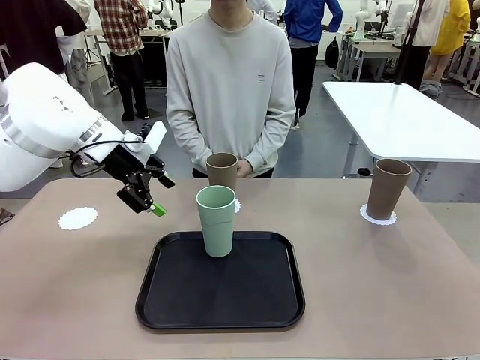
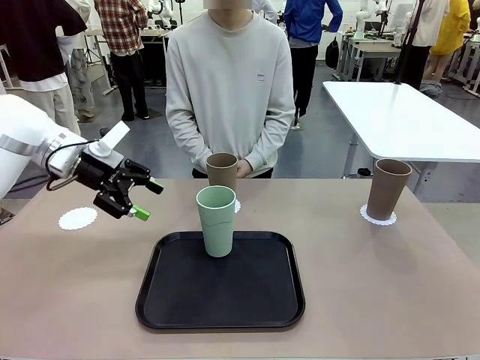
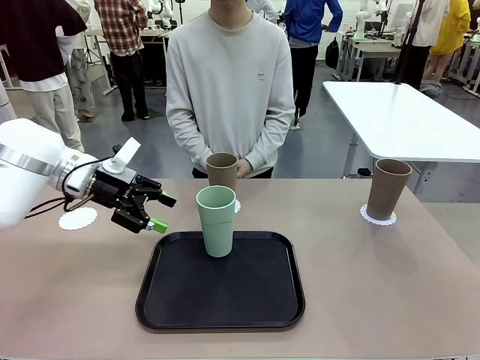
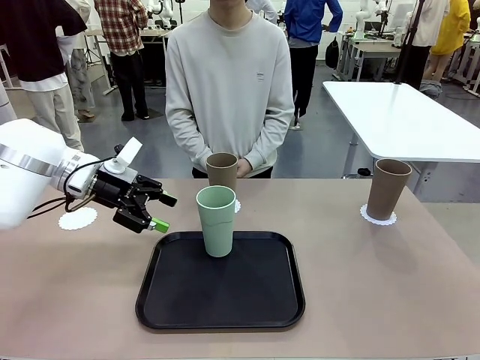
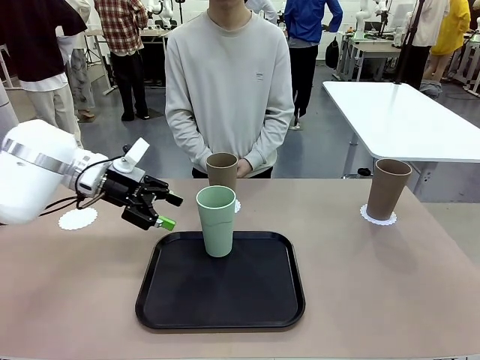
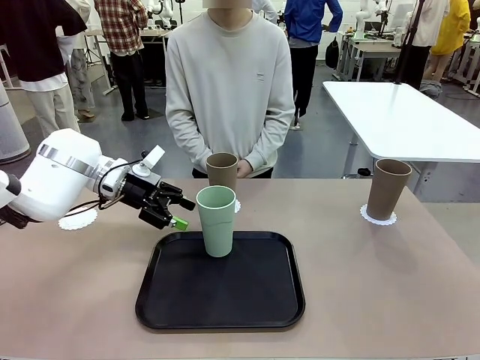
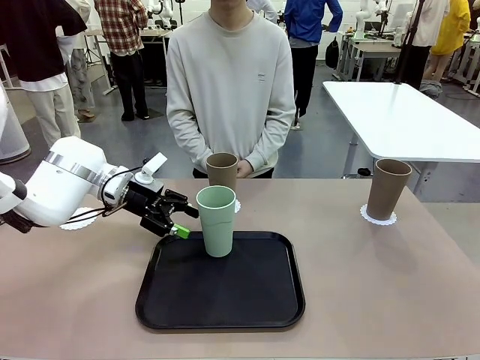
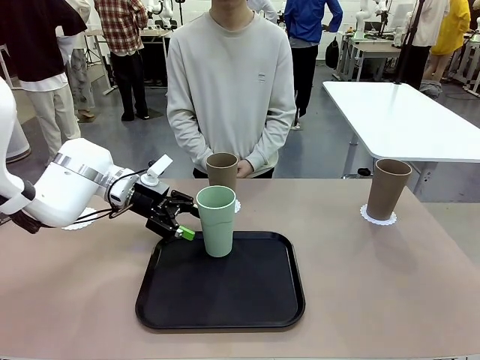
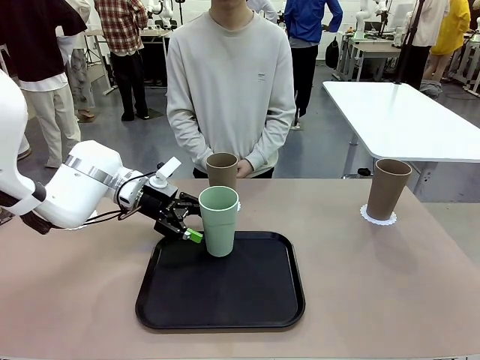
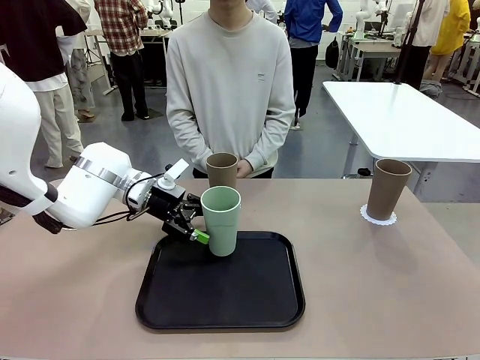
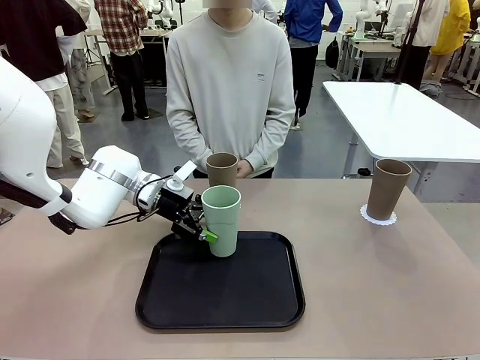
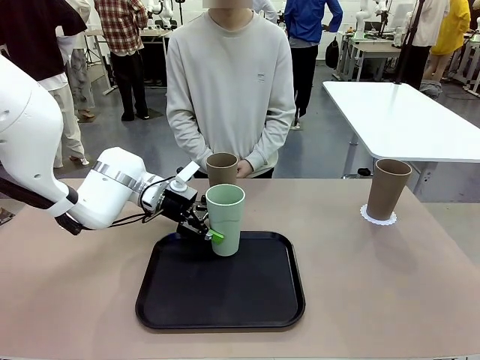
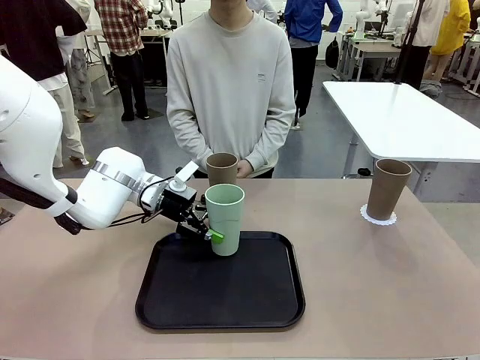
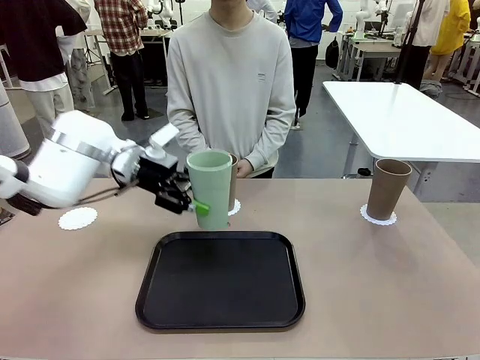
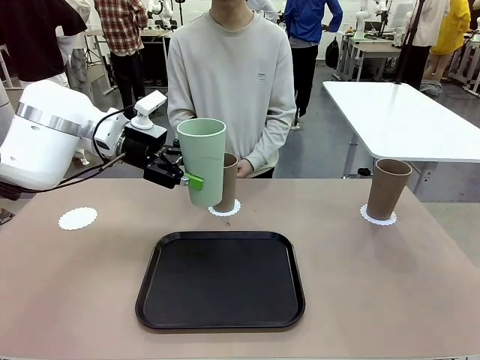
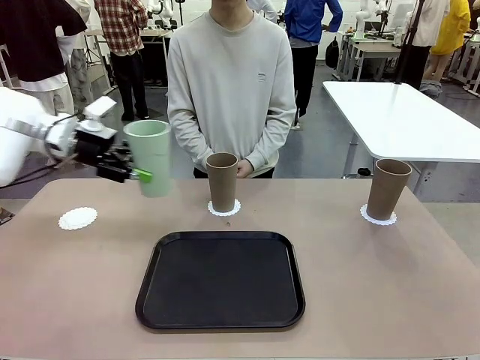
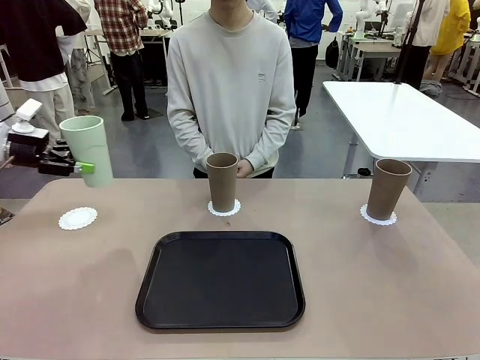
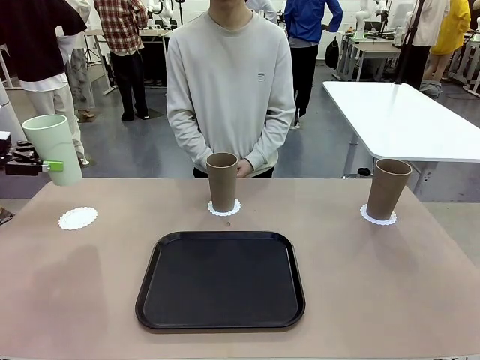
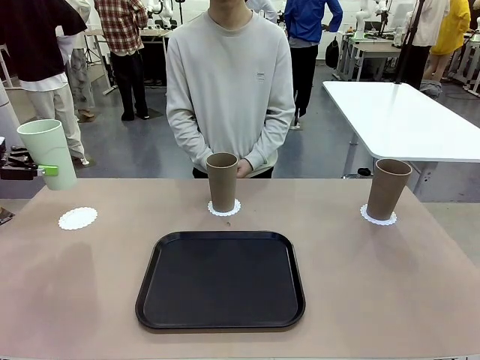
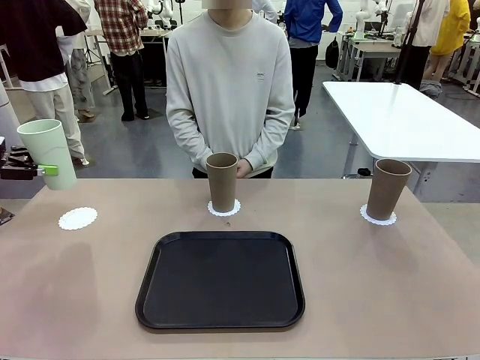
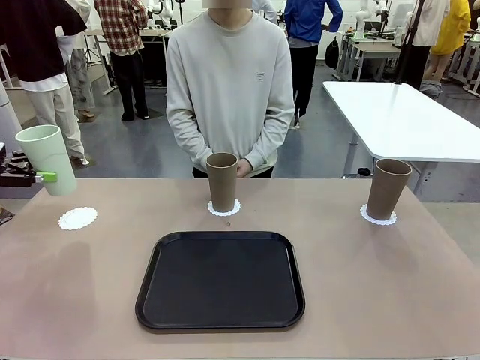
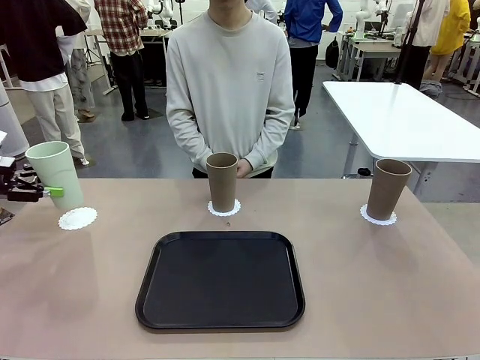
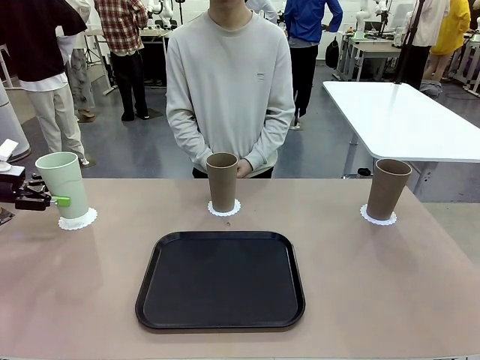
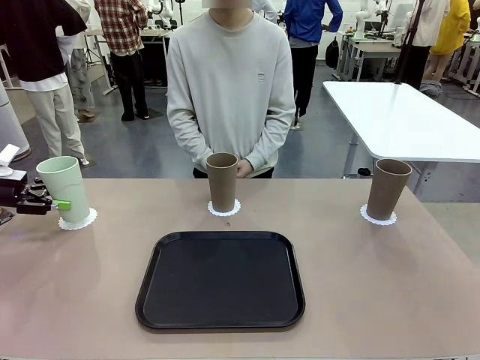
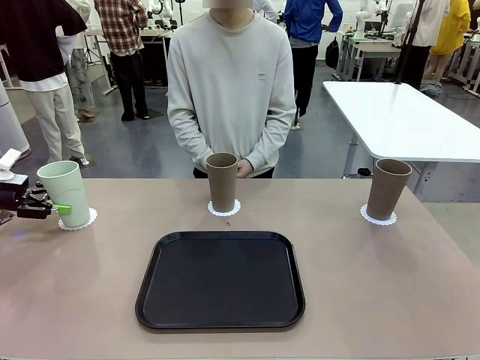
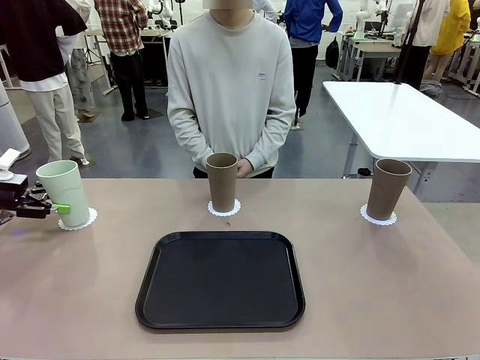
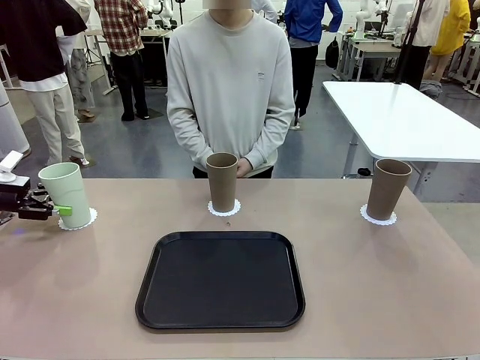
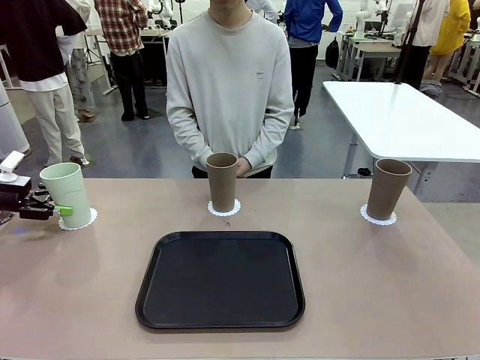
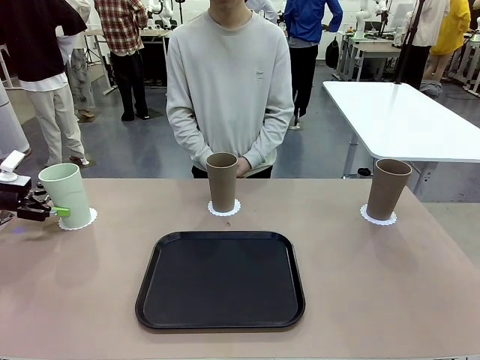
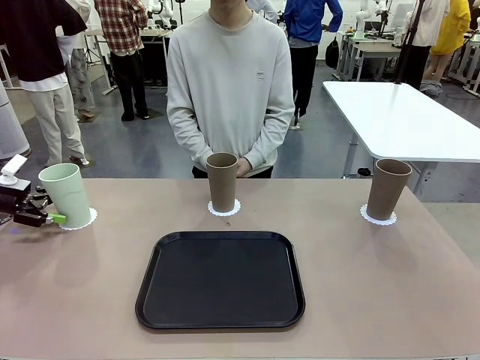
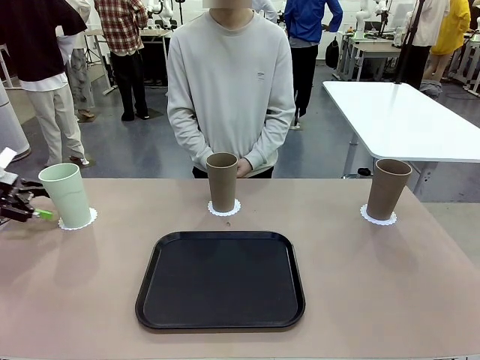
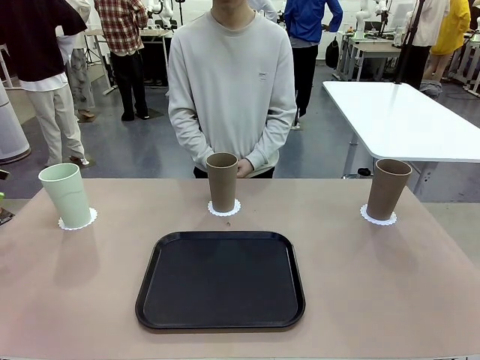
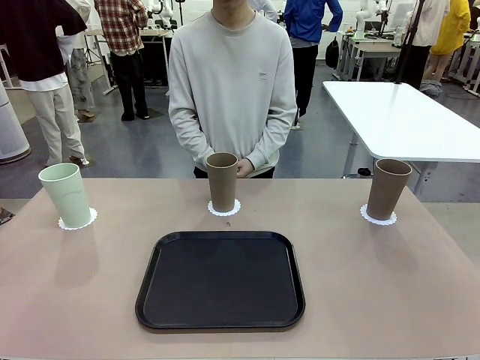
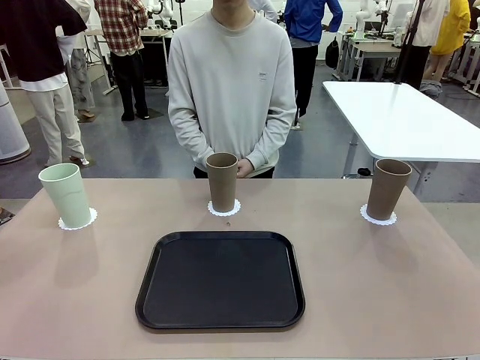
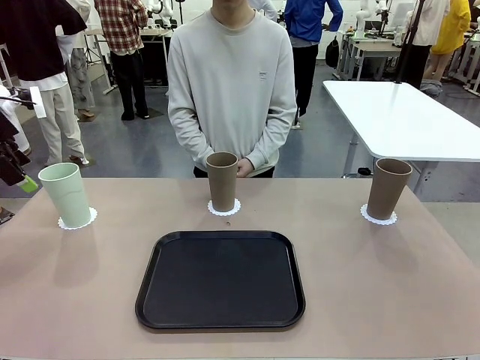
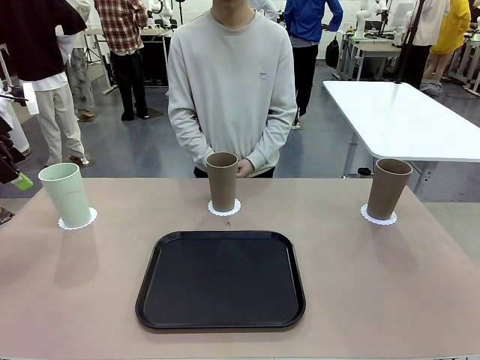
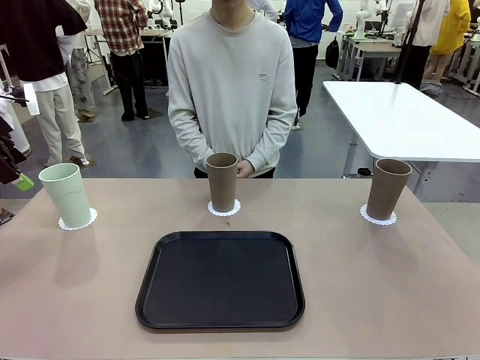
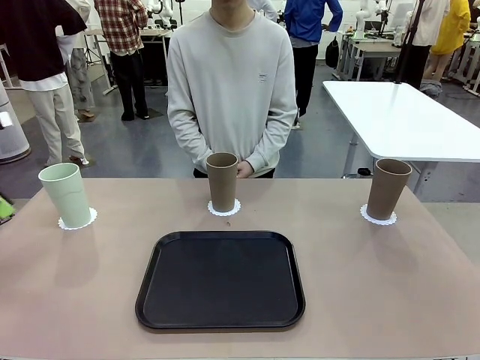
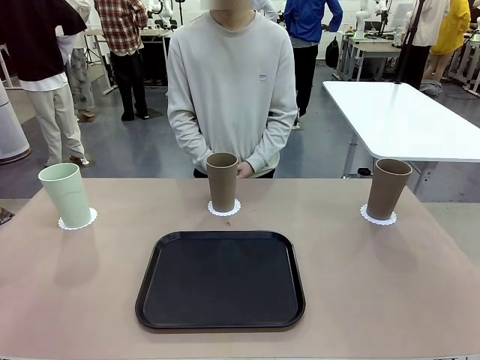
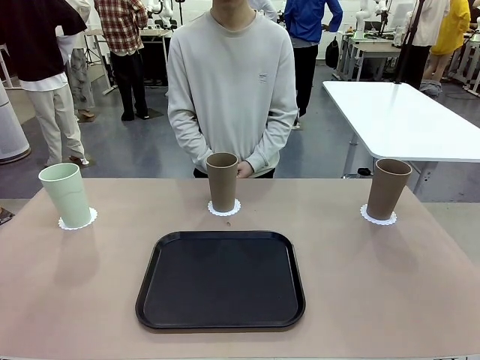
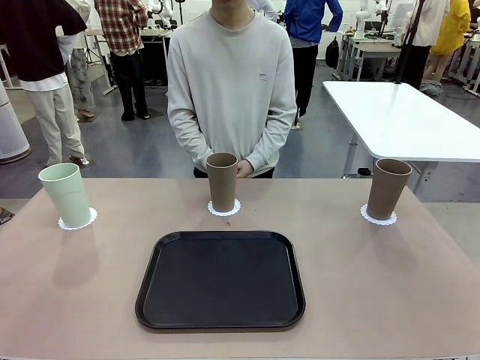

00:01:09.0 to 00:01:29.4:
Task: Place coasters on the table and set cups on them.
Robot: Take one Reusable plastic cup from the Flat Tray and place it on a coaster set by the human.

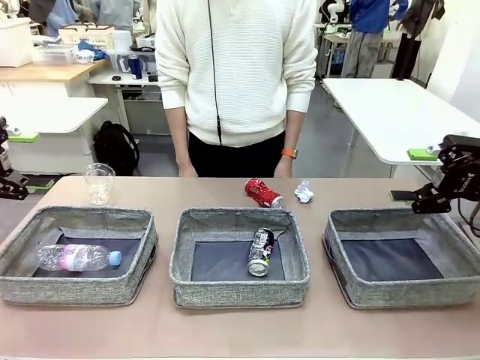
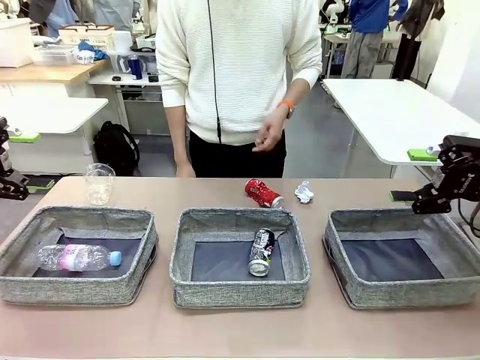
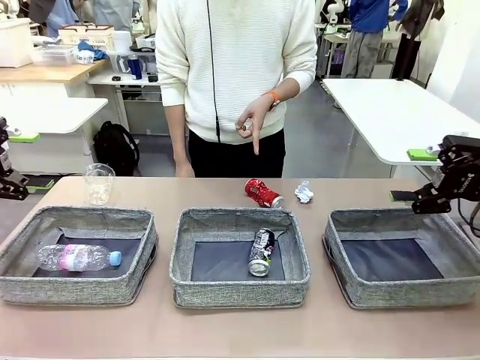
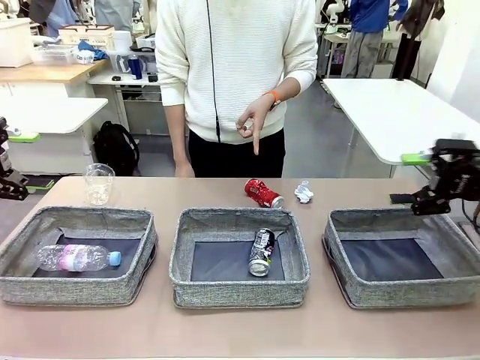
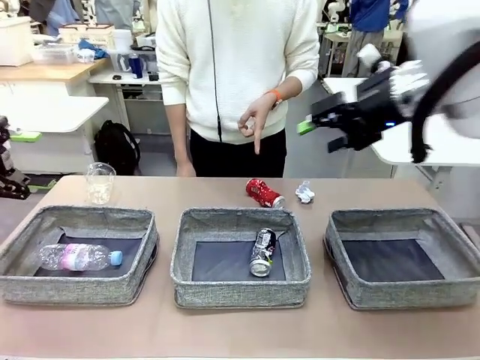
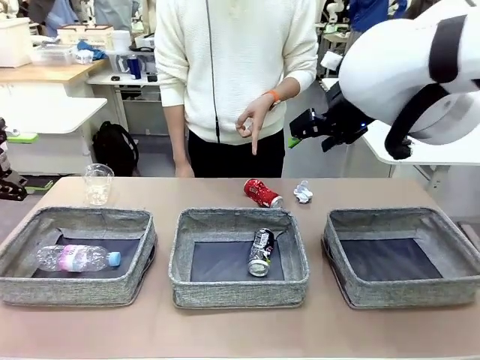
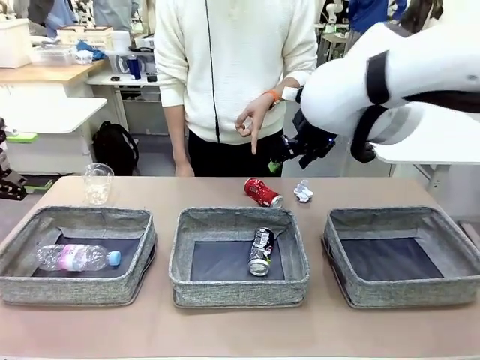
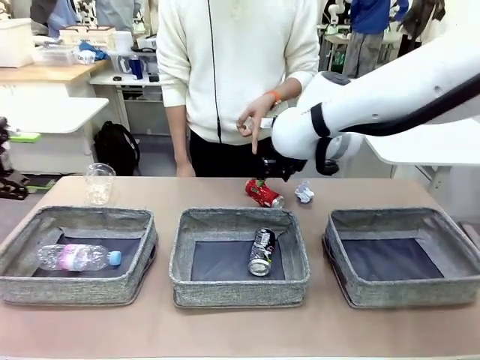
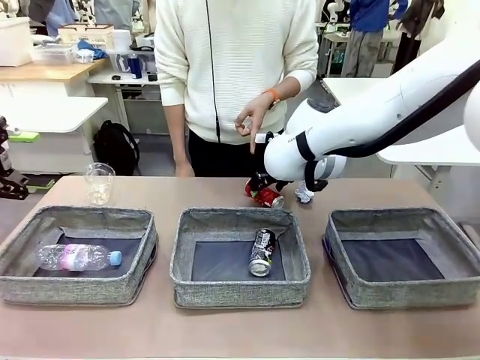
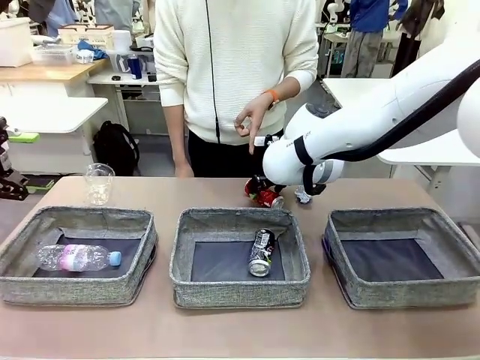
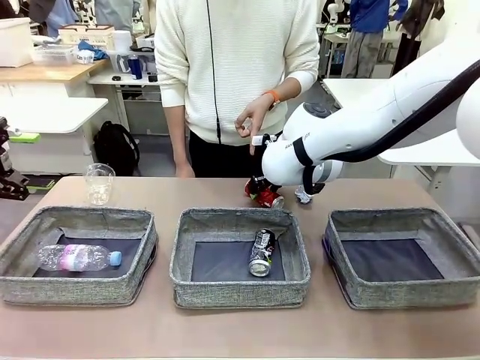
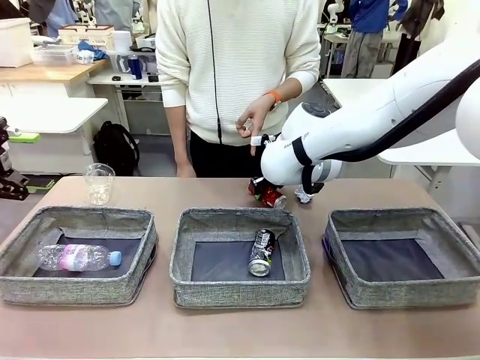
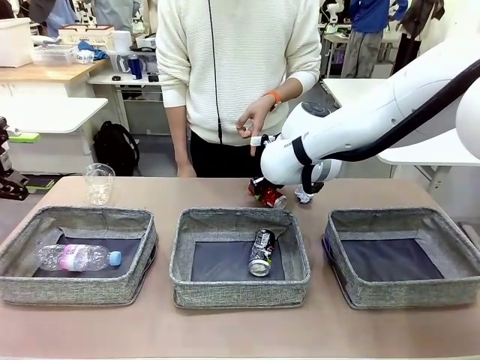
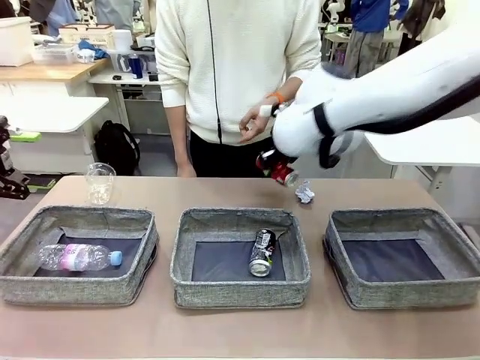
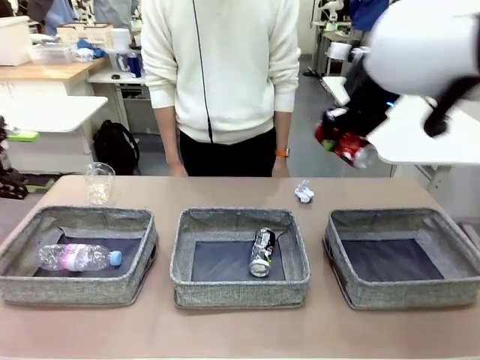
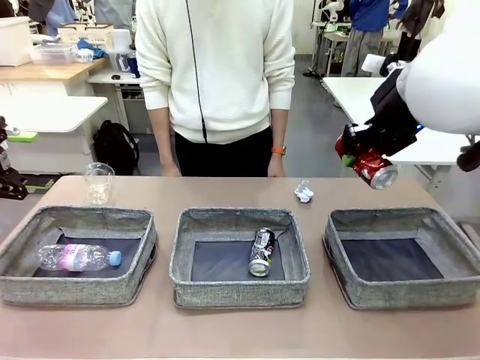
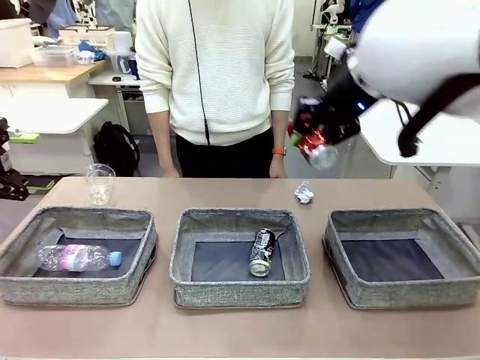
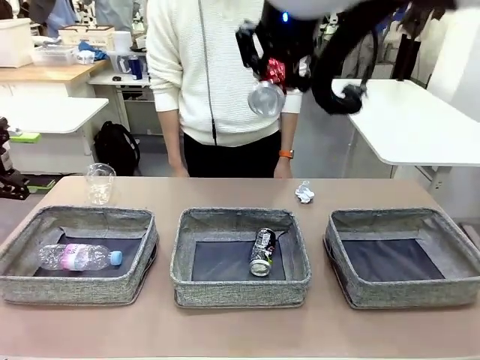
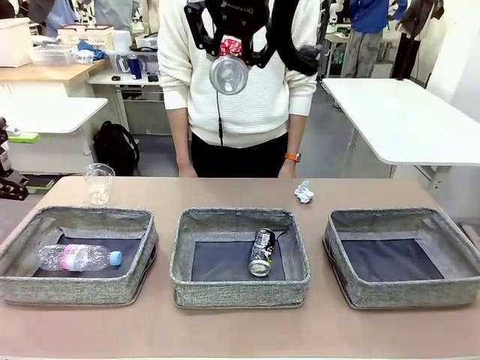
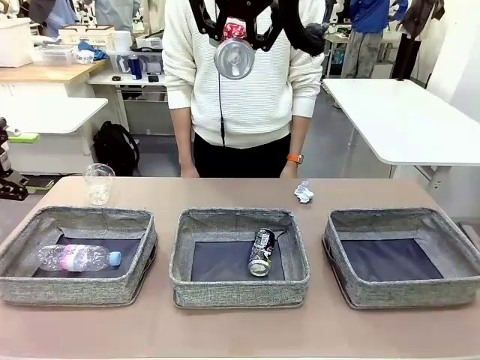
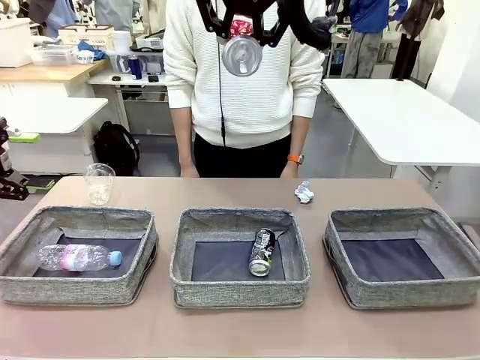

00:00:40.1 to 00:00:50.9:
Task: Sort the waste into the appropriate baskets.
Robot: Pick up the waste item pointed out by the person.
Person: Points to one piece of trash on the table.
